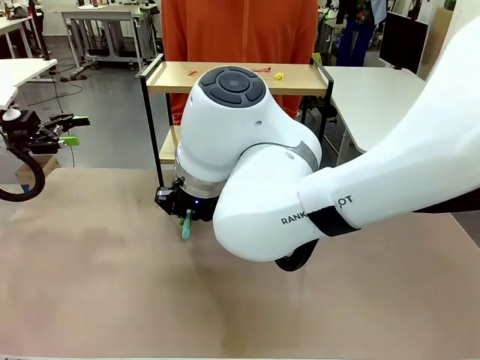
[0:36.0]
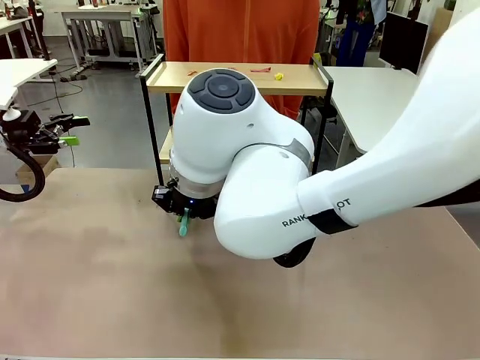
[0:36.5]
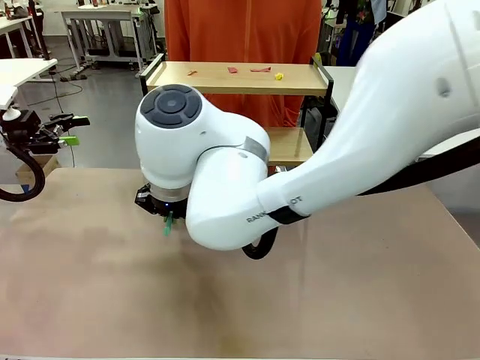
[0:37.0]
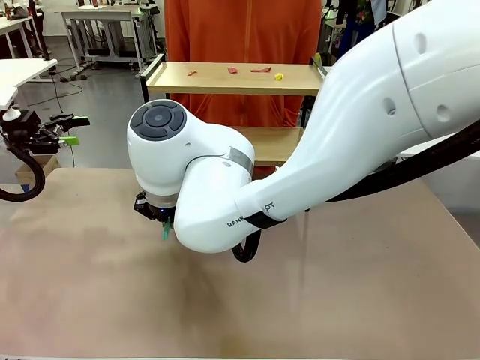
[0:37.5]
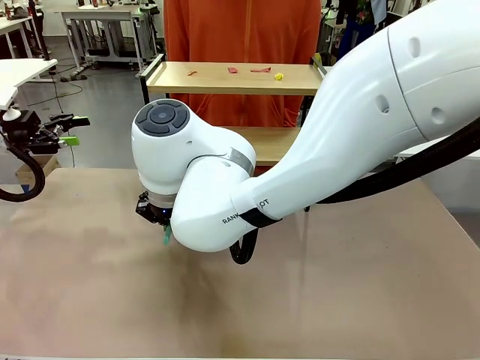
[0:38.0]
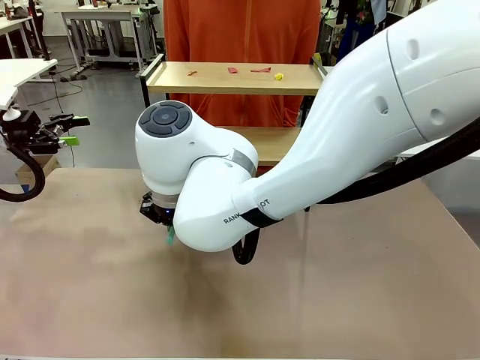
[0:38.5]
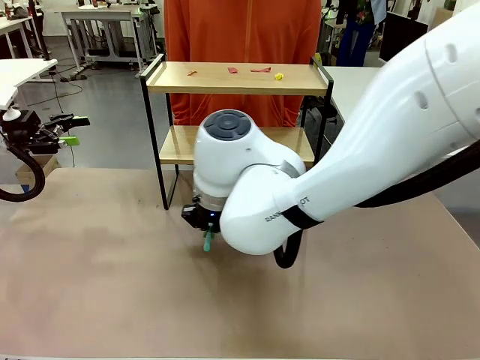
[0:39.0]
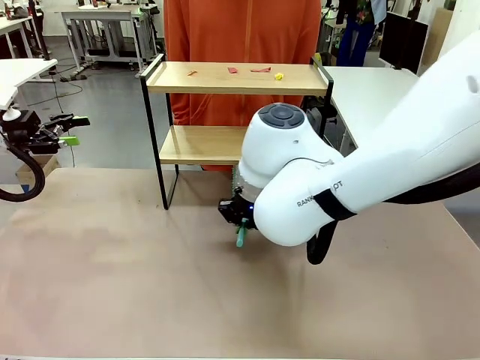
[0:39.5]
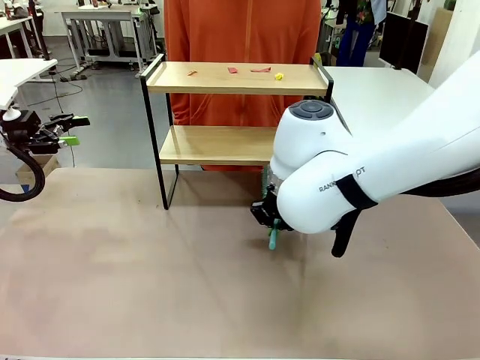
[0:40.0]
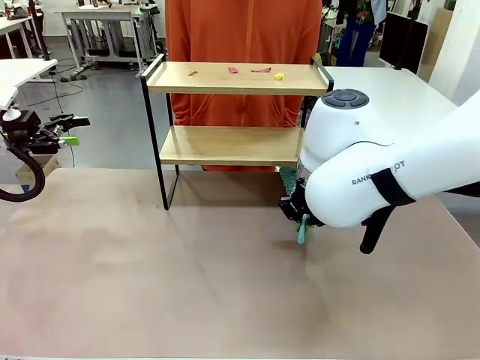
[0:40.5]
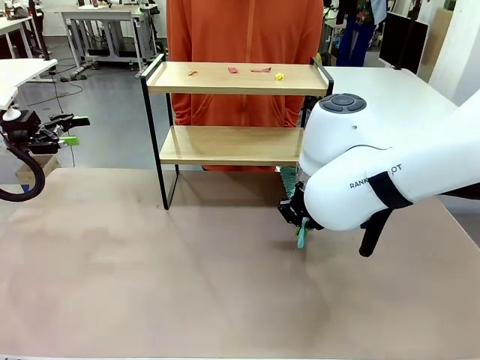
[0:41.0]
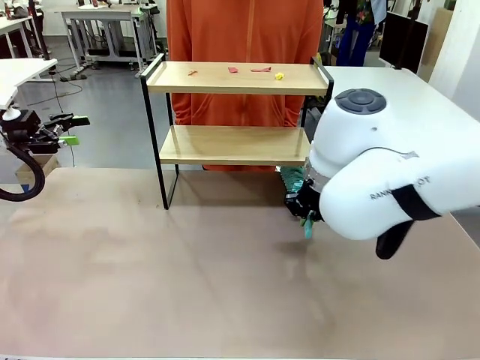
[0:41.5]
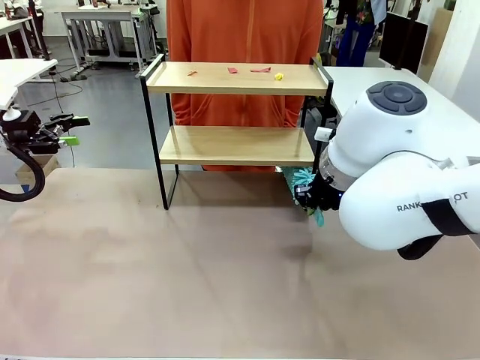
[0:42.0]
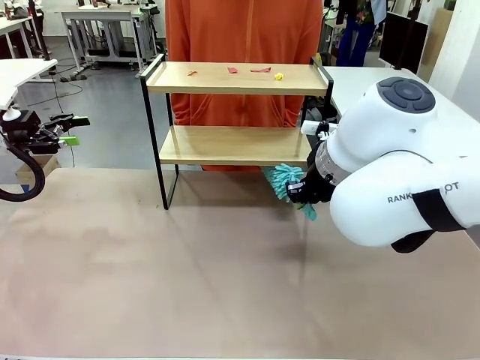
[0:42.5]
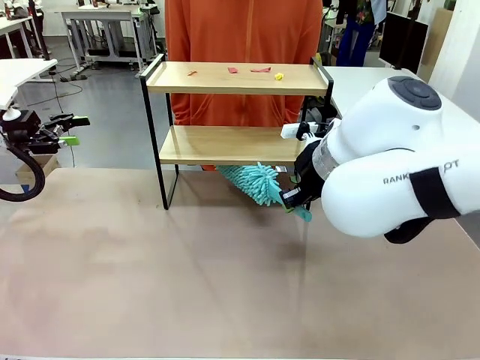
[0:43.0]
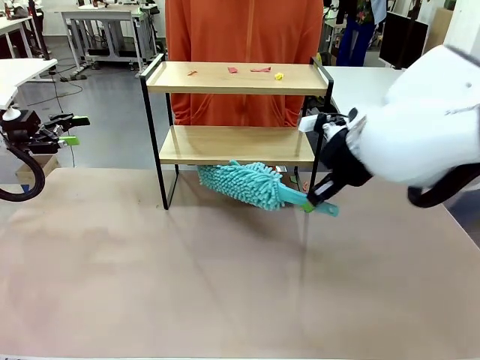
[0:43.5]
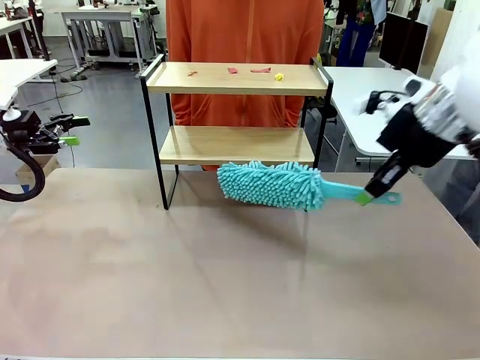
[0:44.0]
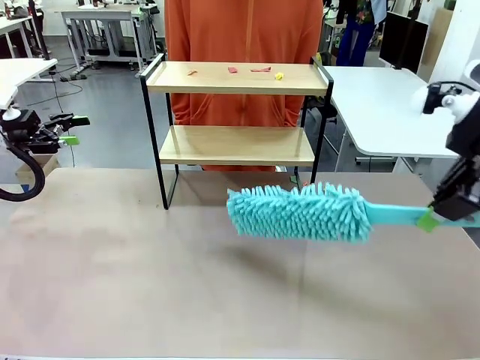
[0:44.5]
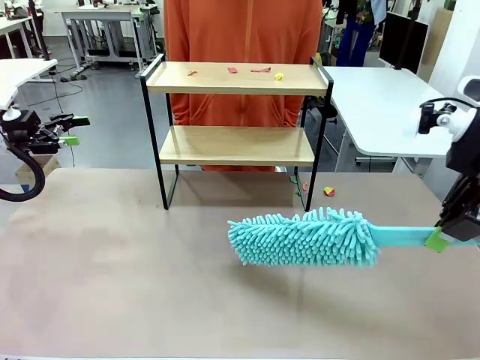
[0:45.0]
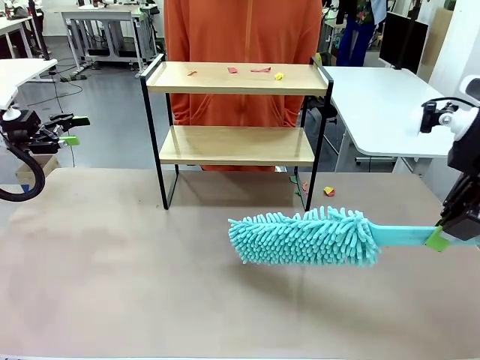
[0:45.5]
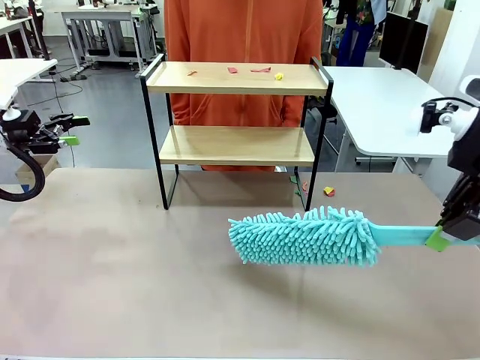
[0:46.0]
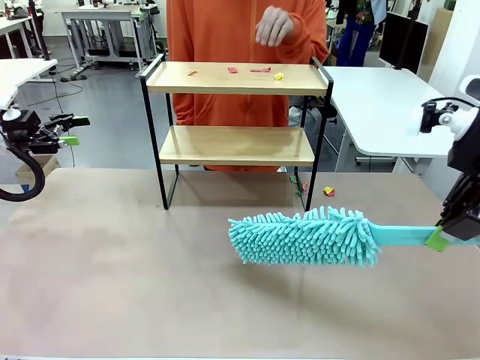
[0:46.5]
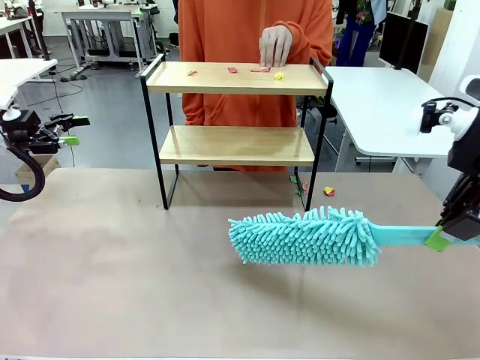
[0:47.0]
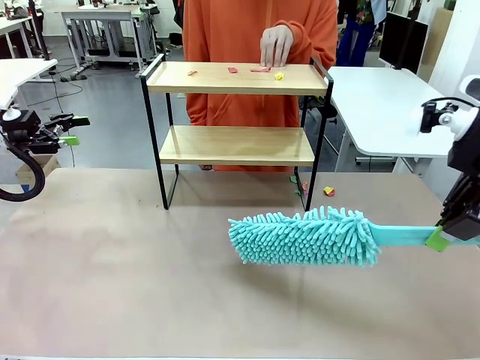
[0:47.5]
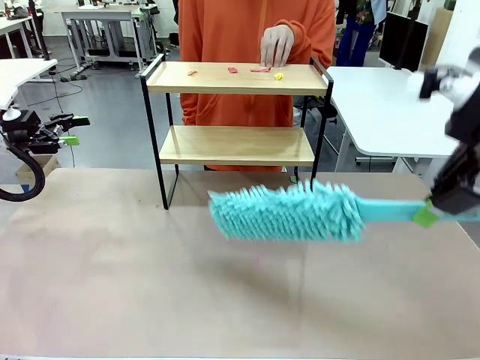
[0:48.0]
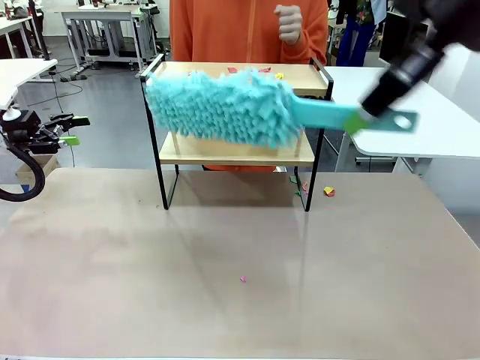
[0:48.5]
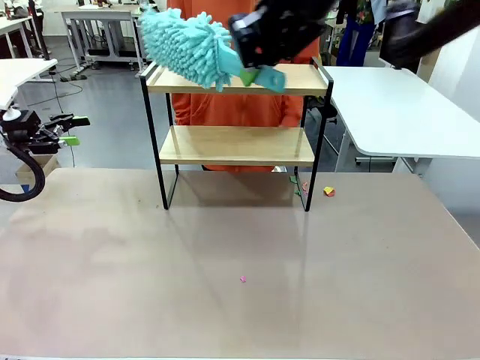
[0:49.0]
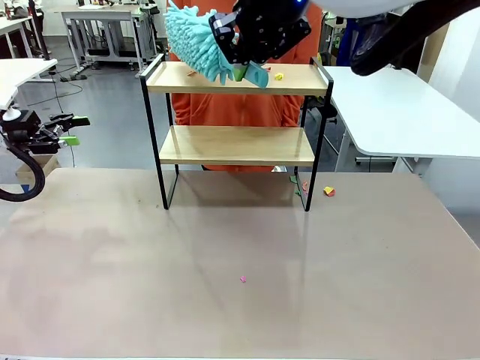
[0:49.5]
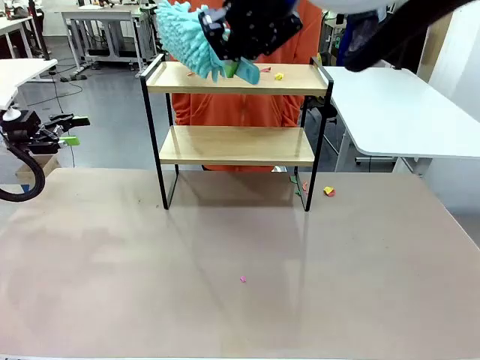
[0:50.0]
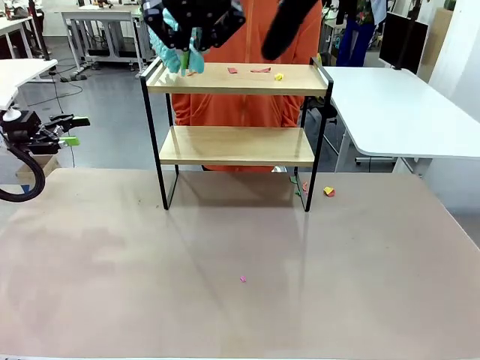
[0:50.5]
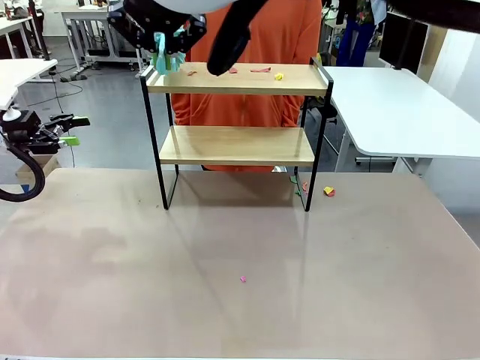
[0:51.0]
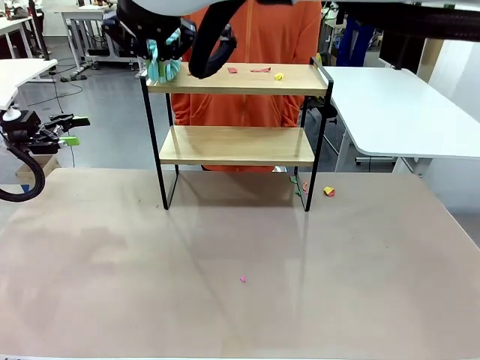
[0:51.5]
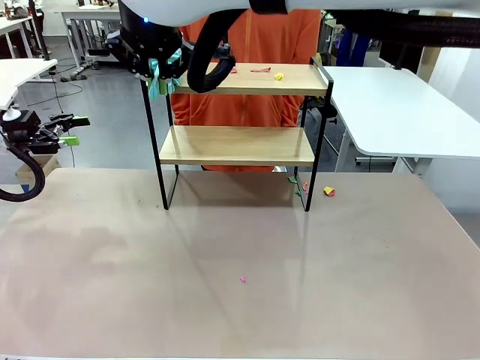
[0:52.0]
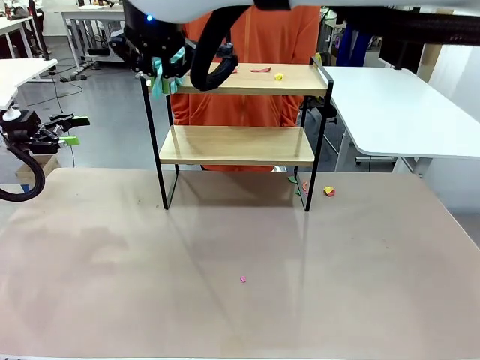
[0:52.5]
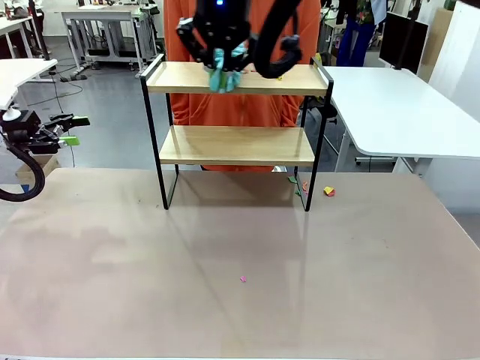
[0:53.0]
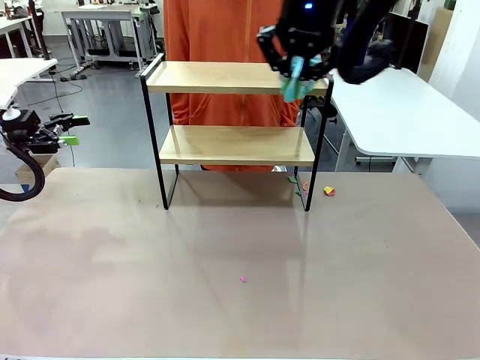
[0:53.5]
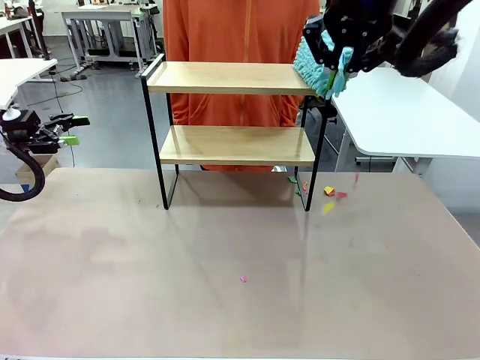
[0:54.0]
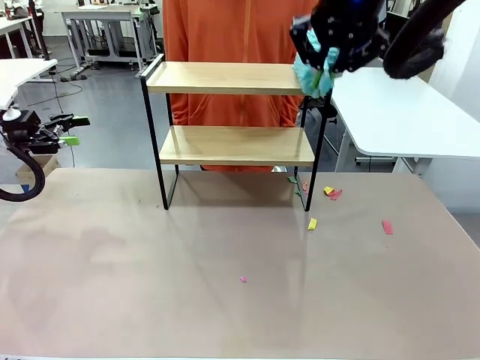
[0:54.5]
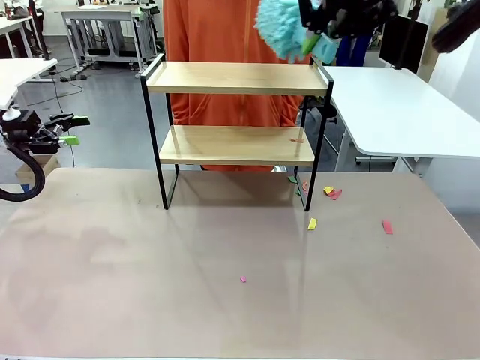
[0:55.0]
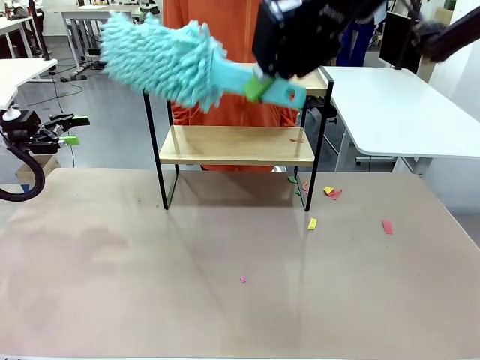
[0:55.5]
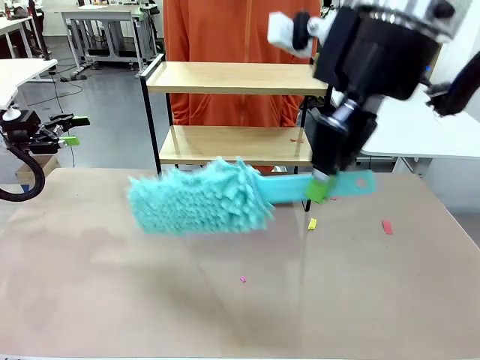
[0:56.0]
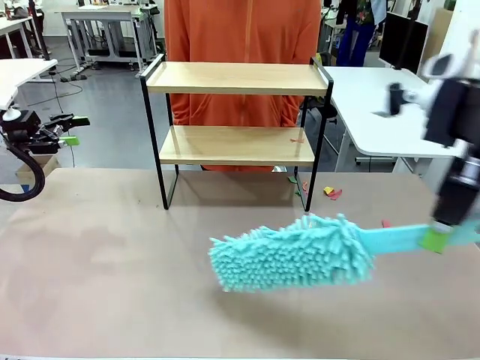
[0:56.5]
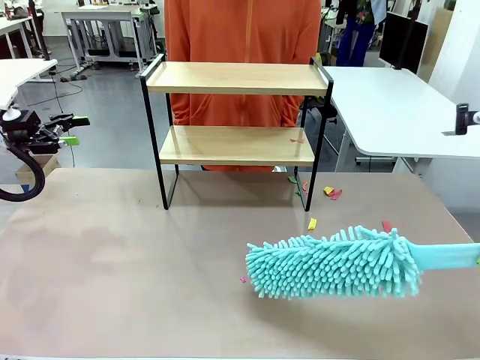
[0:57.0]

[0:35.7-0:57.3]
Task: Clean the shelf.
Robot: Clean the specific section of the Shelf indicated by the human with the Duster.
Person: Point a remaining section of the Shelf.
